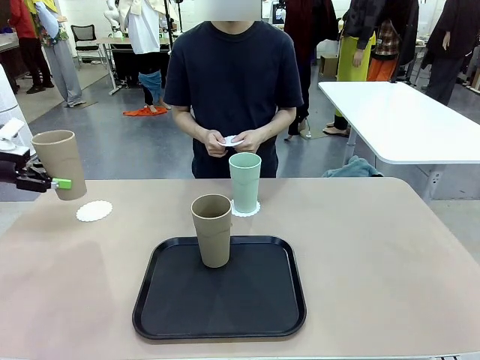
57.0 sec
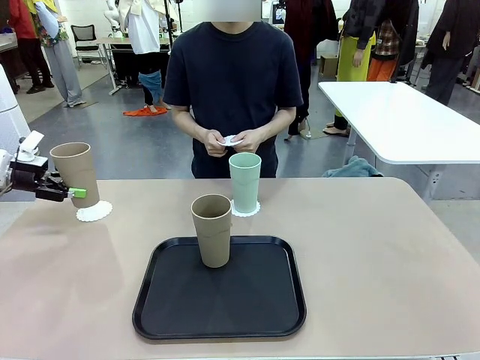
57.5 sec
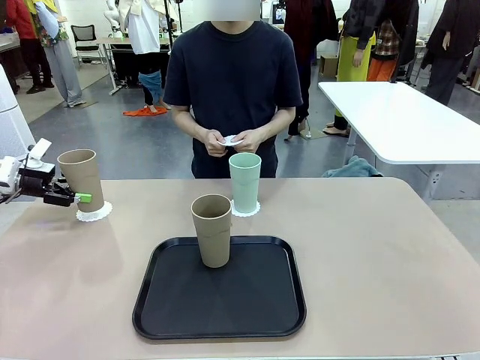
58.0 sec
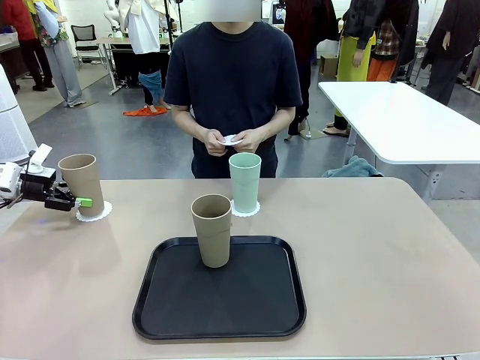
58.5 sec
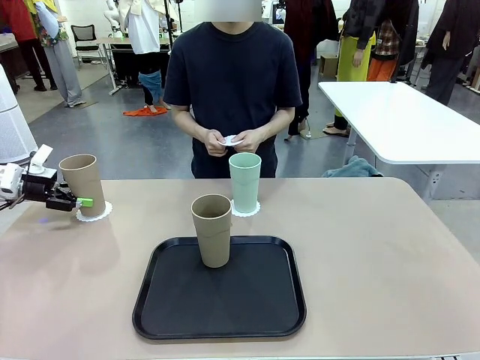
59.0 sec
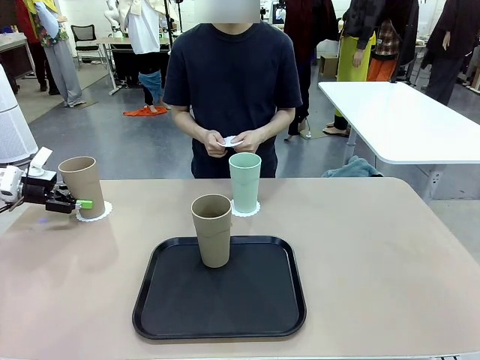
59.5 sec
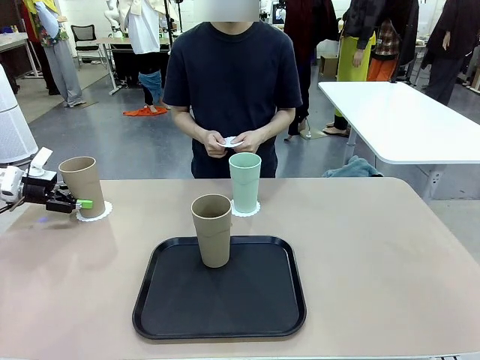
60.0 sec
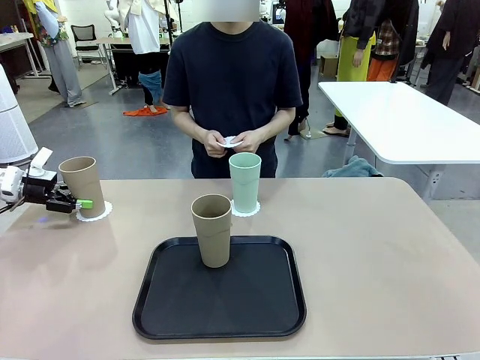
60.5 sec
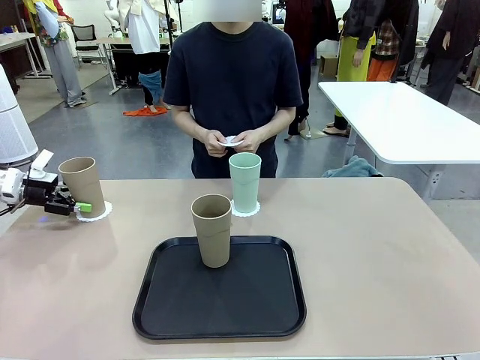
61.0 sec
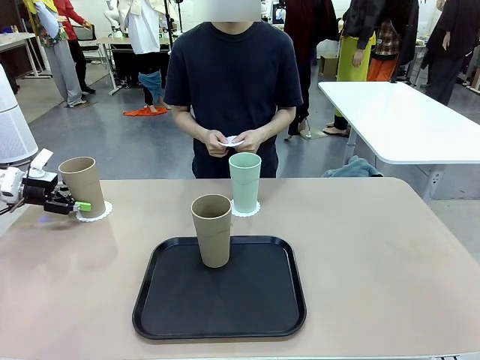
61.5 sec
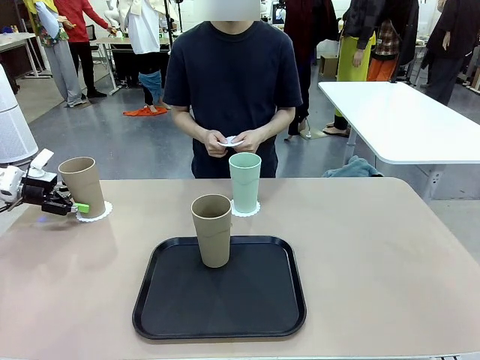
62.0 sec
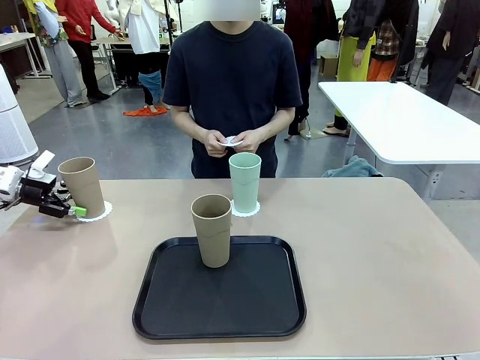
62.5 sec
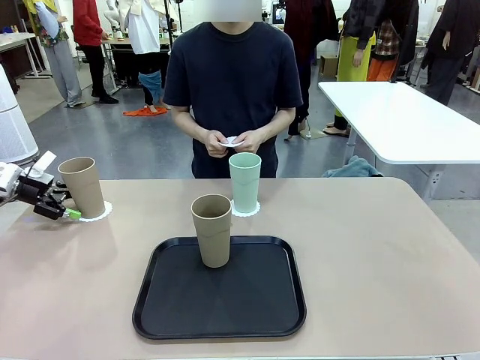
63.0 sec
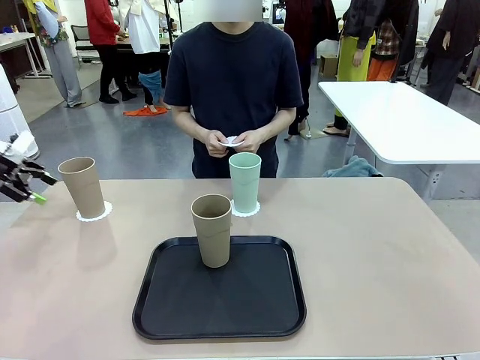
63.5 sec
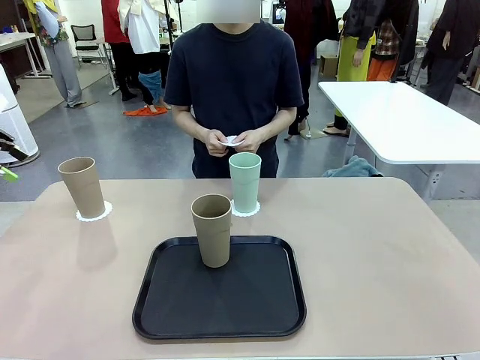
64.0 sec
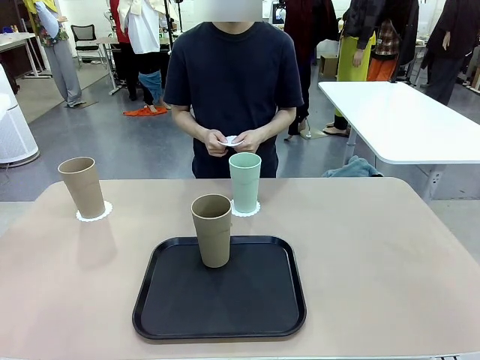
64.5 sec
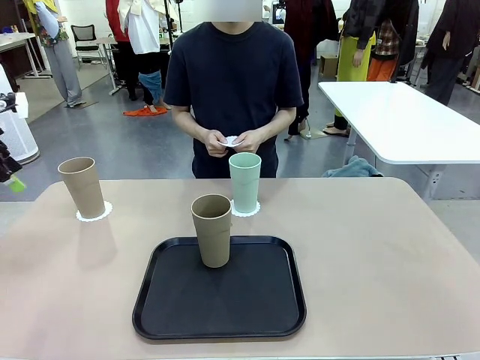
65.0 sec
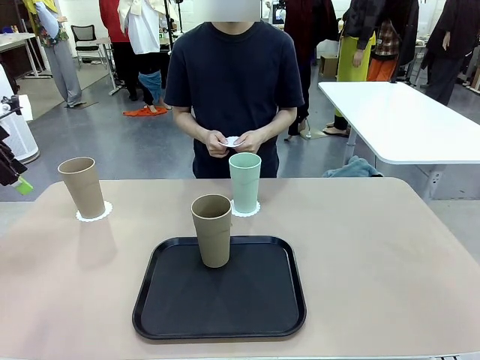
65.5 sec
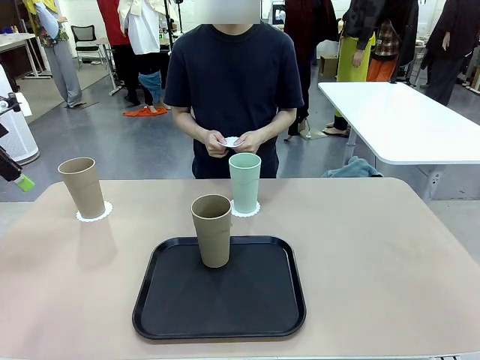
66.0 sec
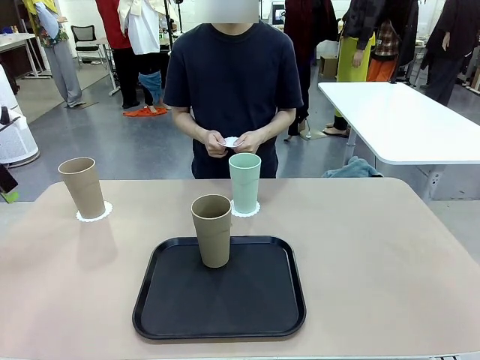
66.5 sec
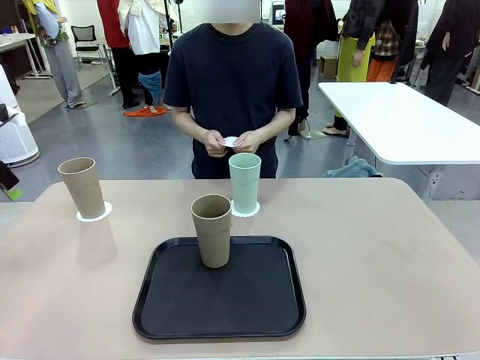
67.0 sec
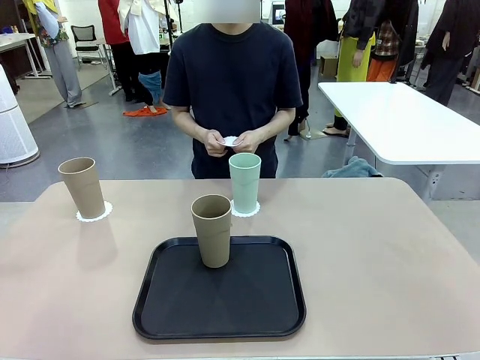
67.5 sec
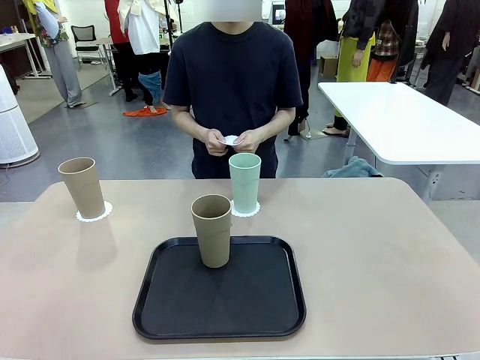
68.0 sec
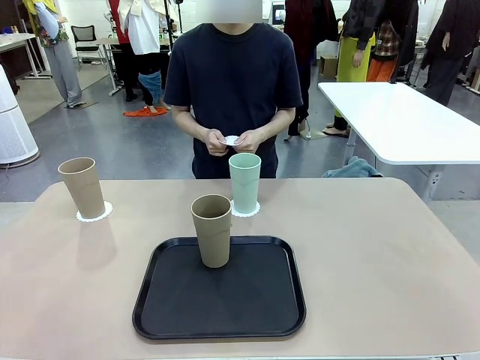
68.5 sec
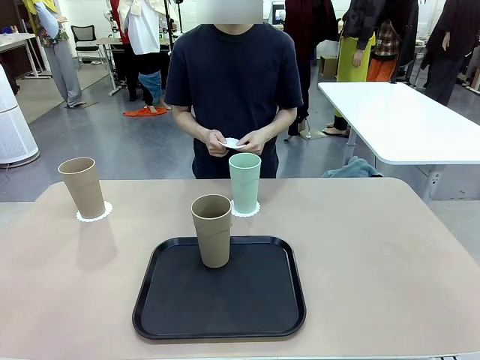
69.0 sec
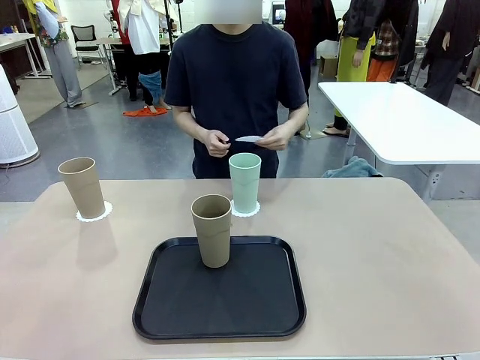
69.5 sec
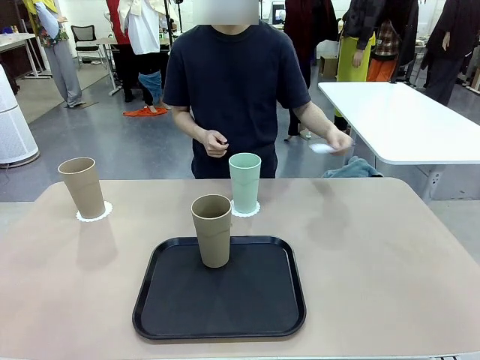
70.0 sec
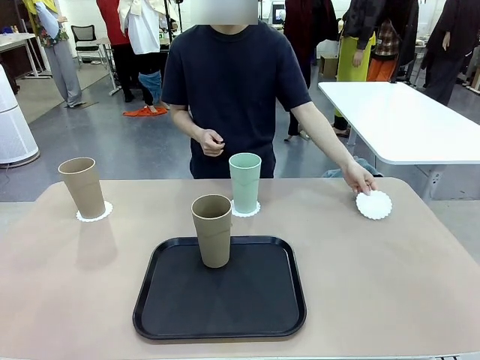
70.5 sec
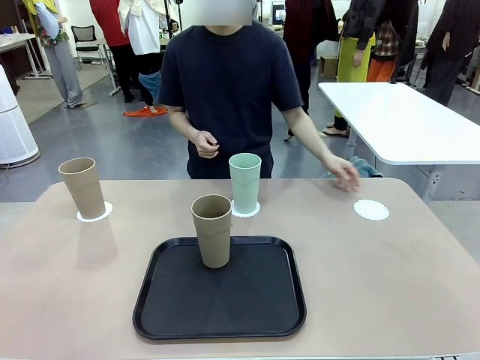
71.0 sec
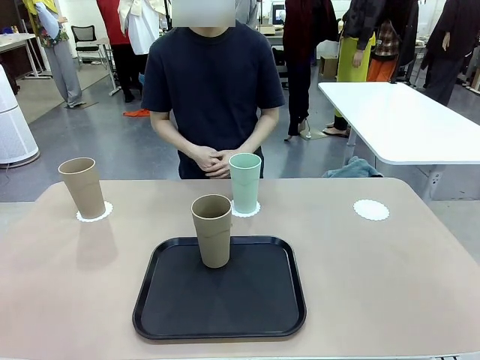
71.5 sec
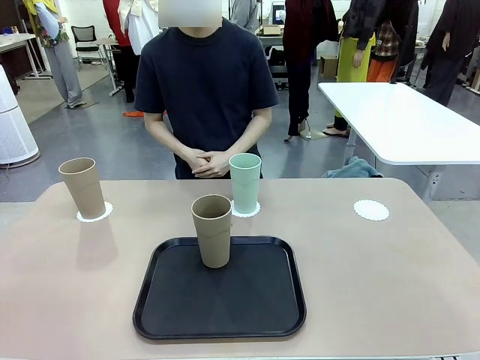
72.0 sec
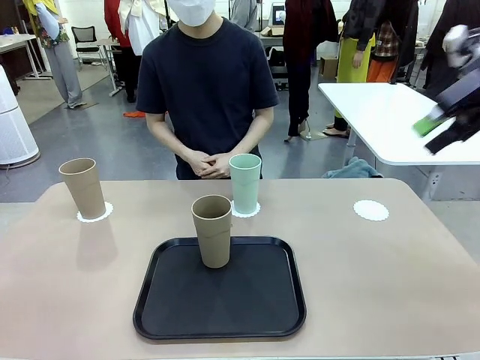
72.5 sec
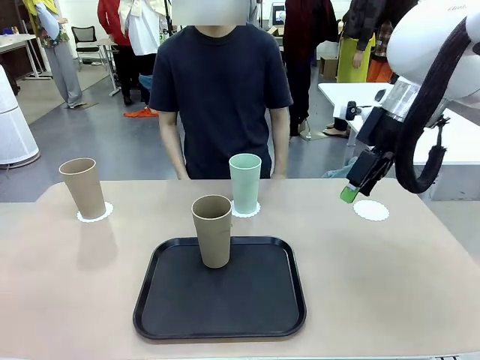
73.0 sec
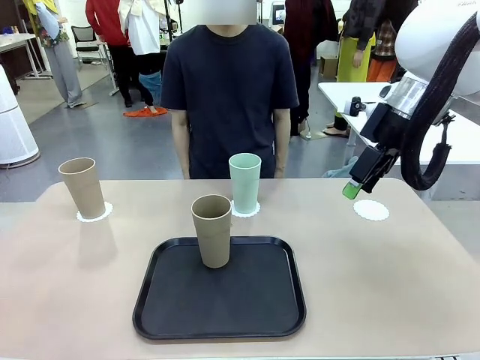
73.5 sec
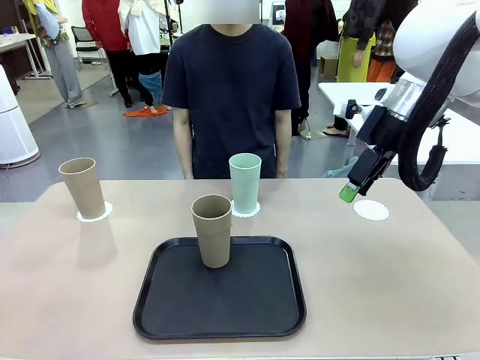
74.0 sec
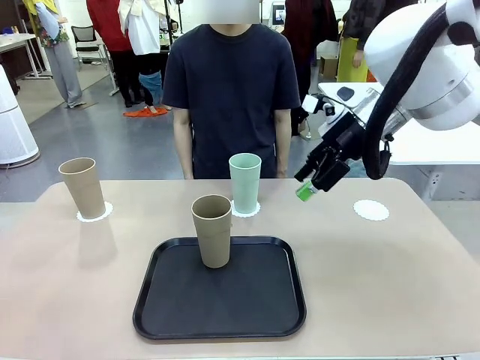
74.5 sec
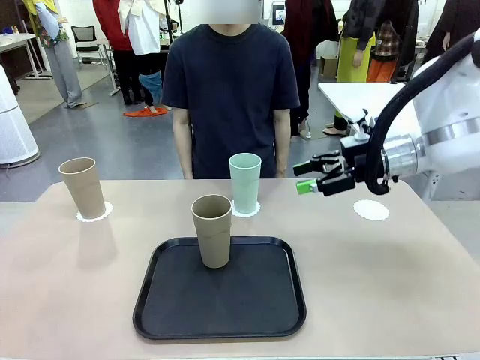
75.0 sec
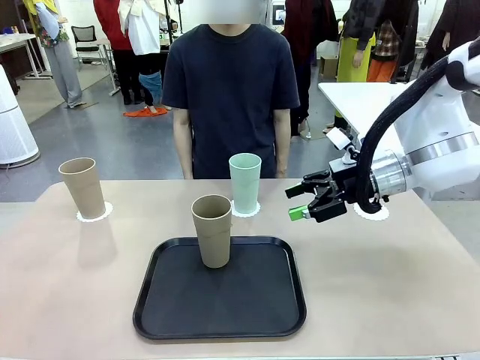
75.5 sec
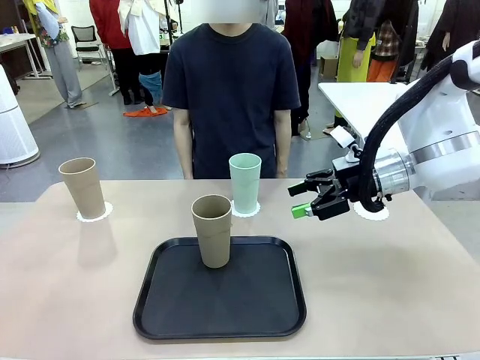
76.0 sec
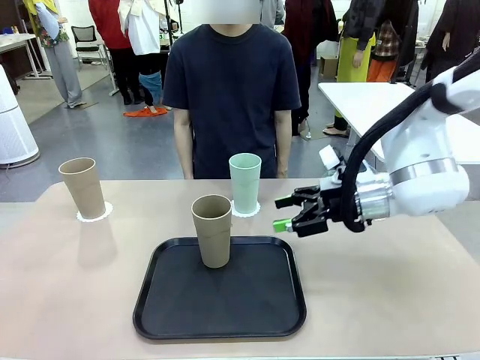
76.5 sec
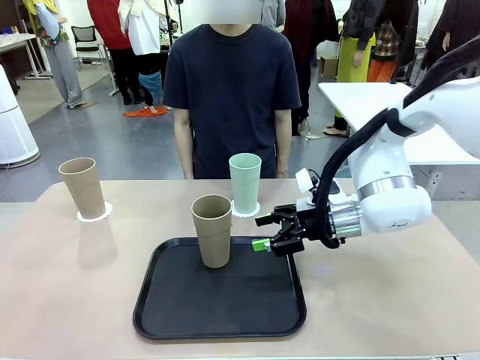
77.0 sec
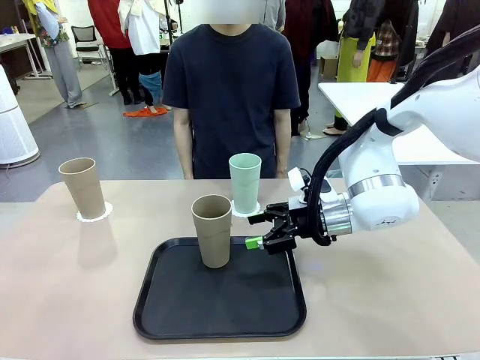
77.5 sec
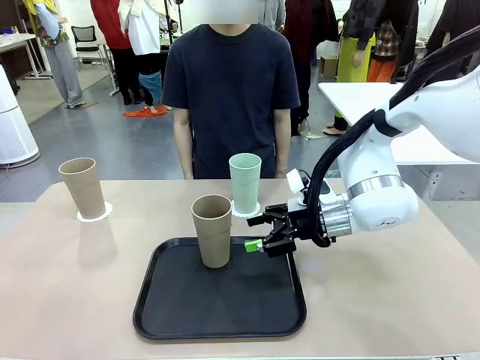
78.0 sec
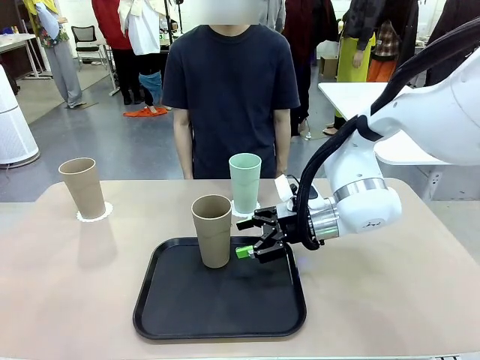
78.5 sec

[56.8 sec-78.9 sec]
Task: Place coasters on the table and set cups on them.
Robot: Take one Reusable plastic cup from the Flat Tray and place it on a coaster set by the human.
